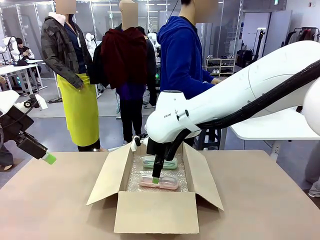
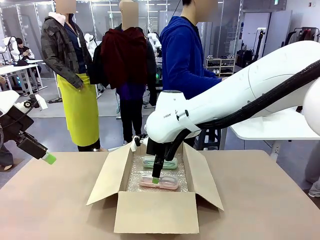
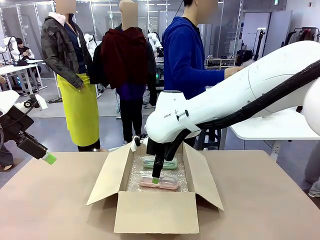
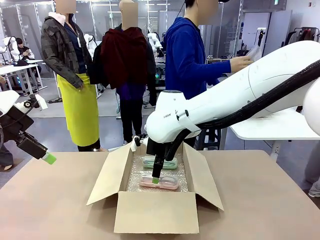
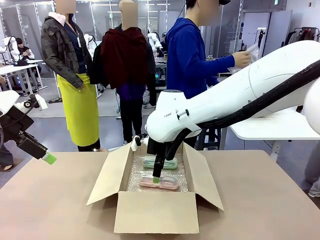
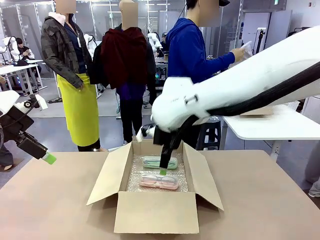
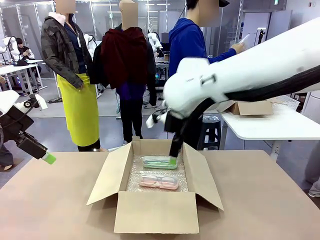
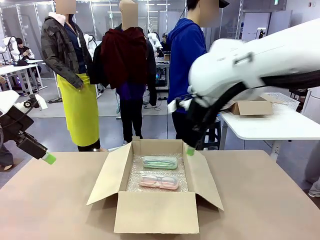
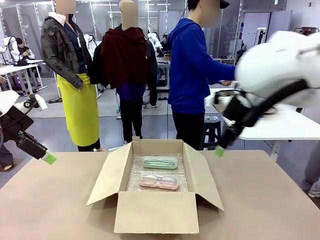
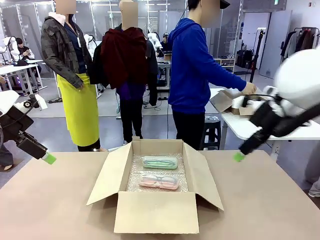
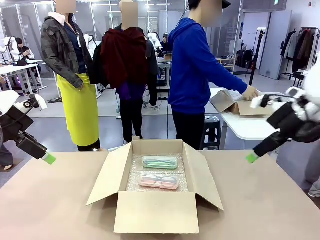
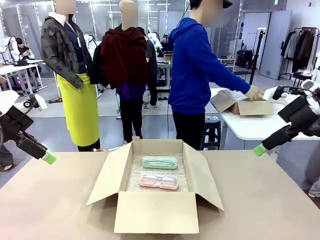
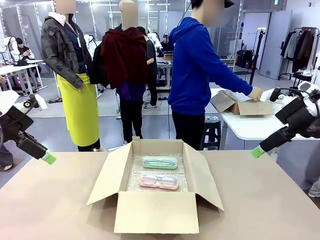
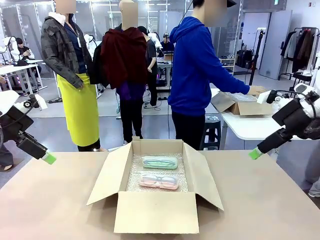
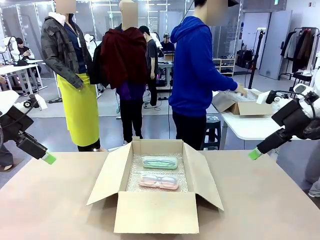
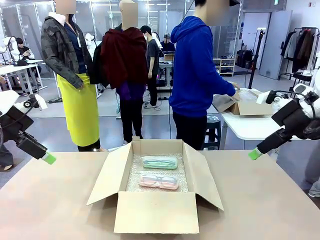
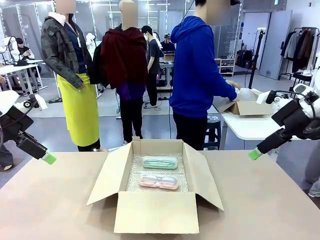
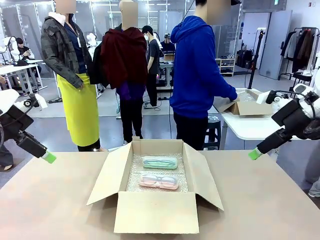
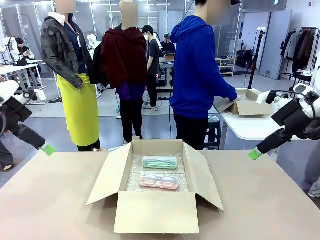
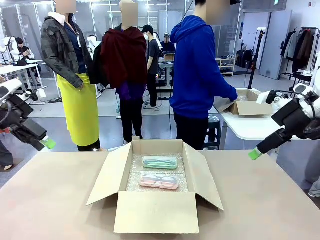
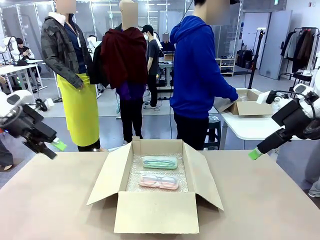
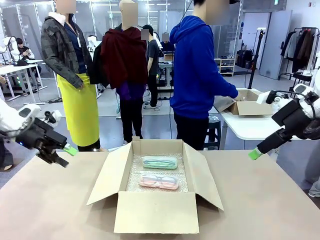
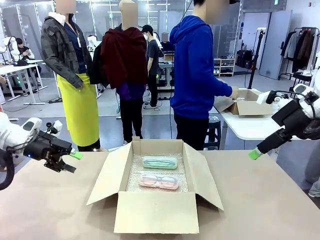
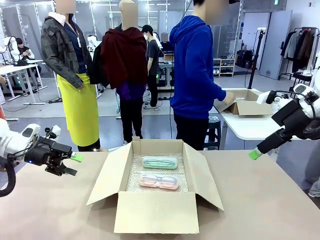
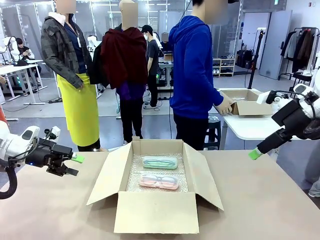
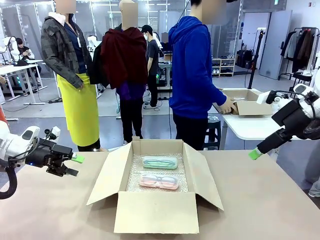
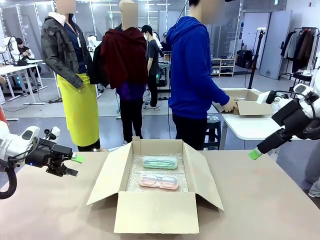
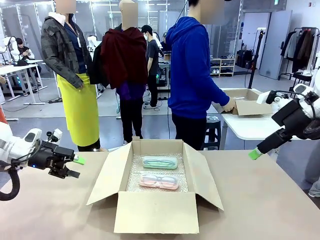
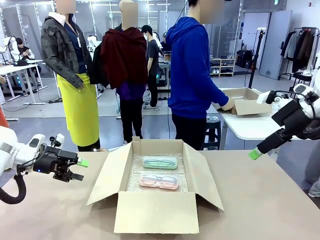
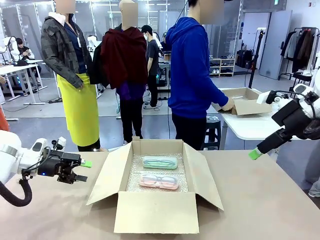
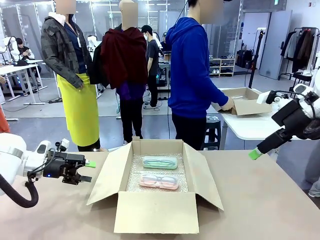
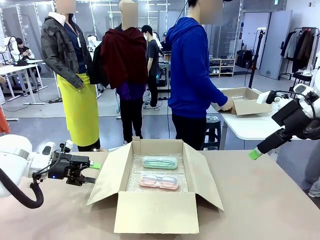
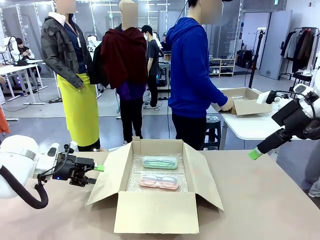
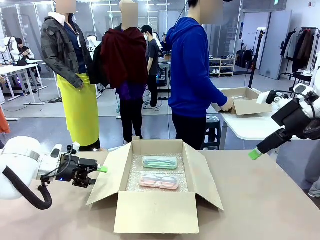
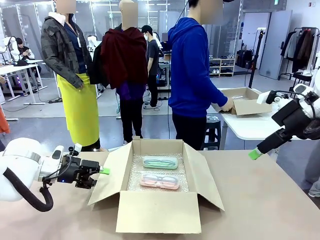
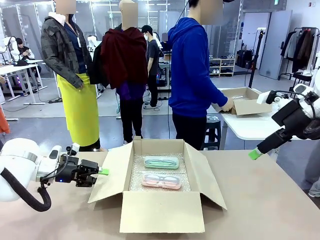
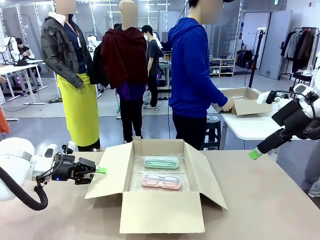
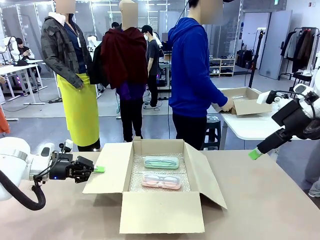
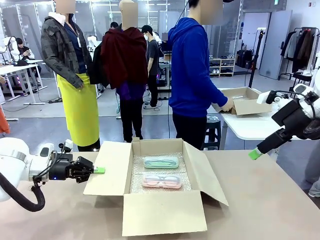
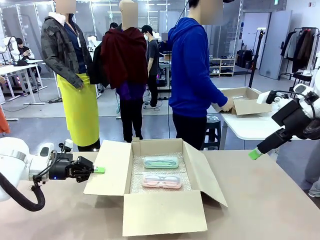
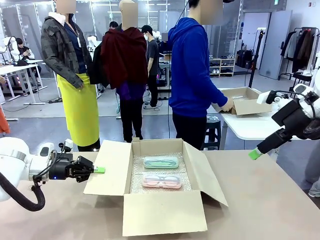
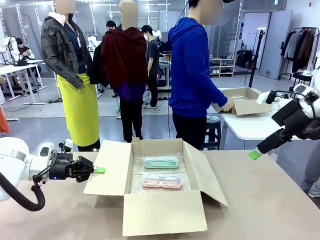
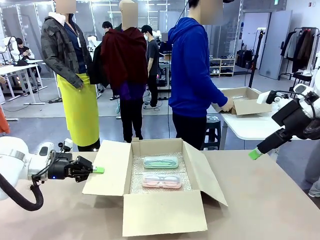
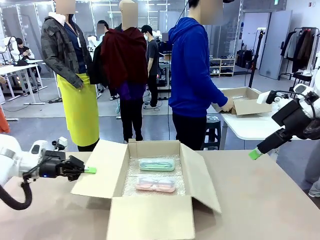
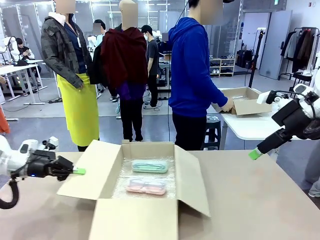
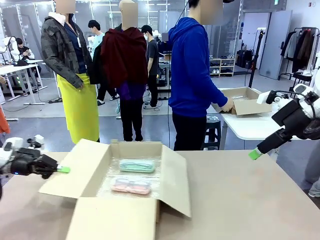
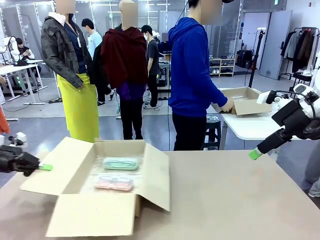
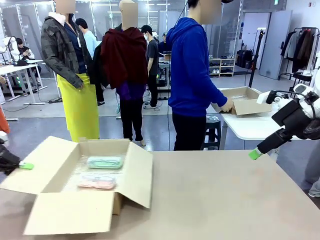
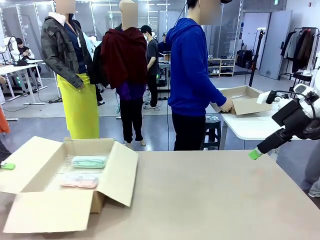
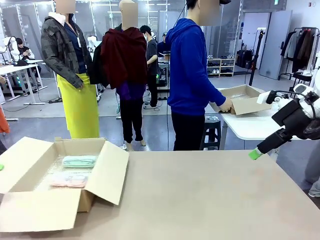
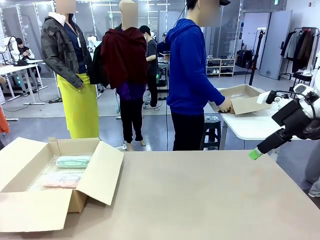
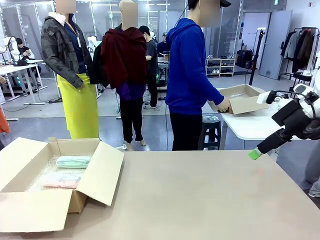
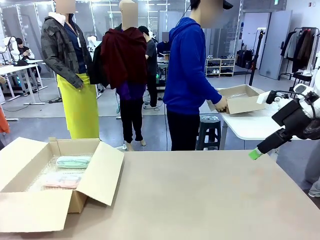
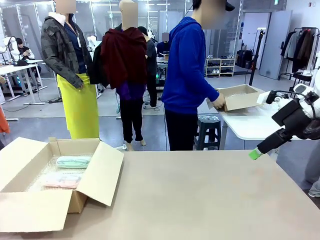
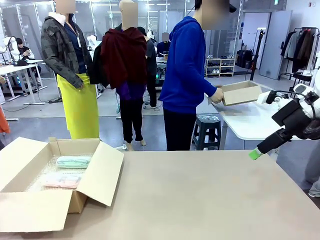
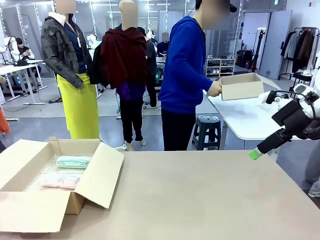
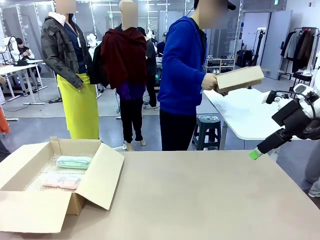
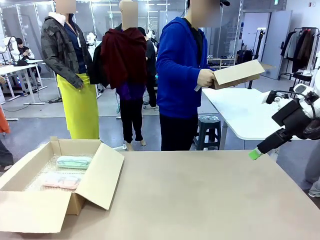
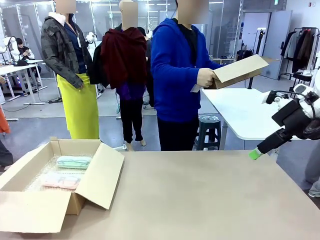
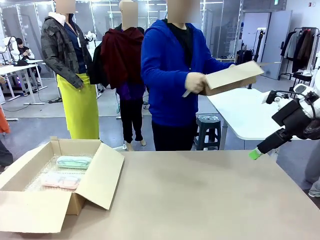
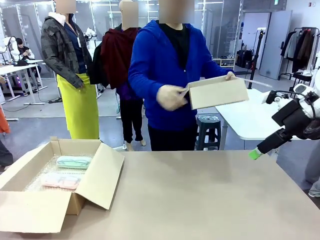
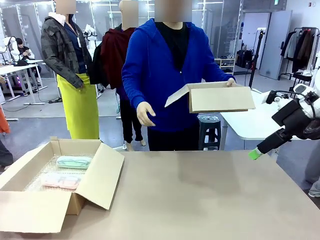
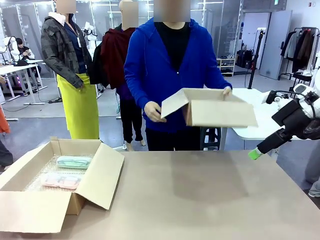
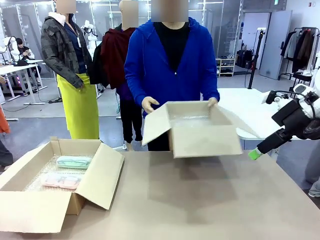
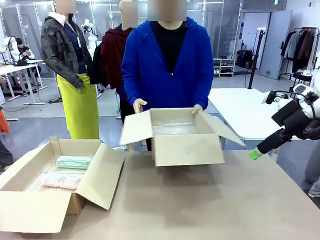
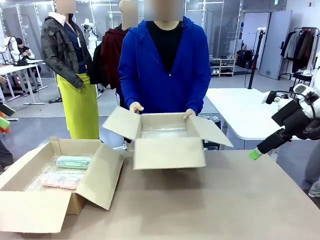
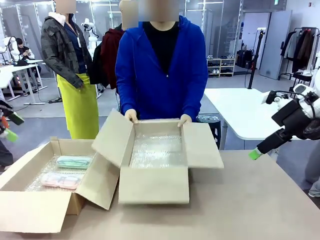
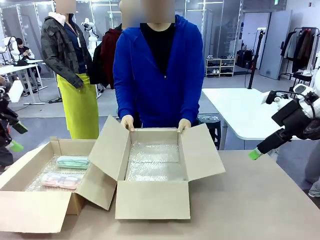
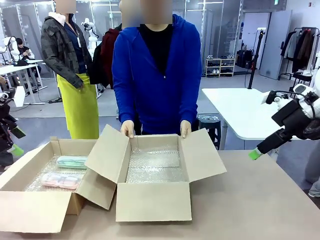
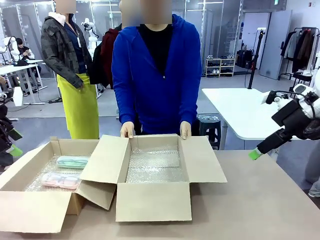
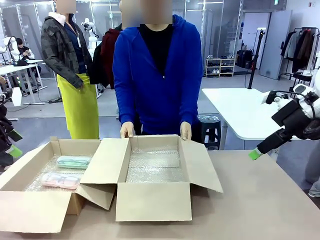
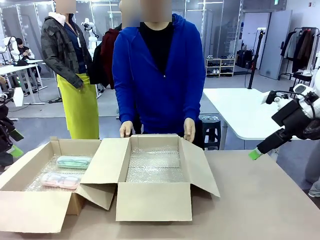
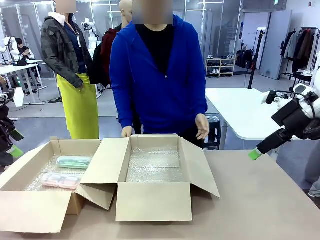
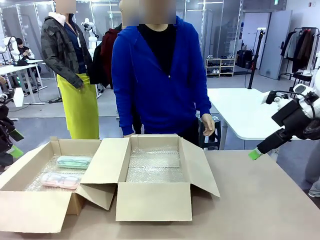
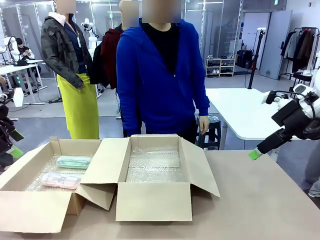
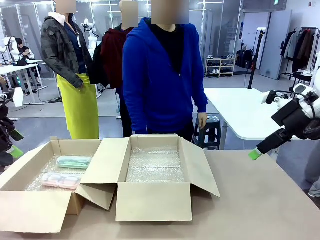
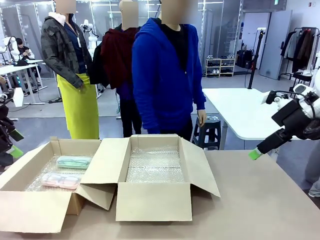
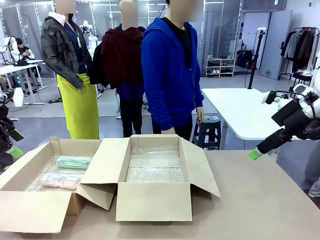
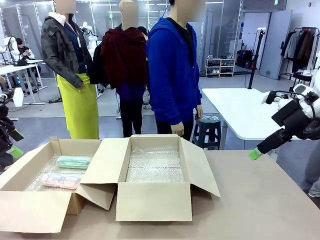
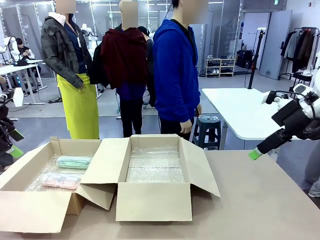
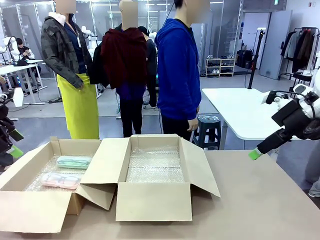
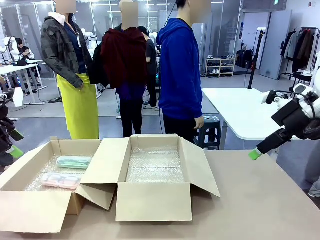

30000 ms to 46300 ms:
Task: Pack the glasses set securely to prepare it for shipping.
Robot: Position the Package Box on the left side of the table.
Person: Position the empty Package Box in the middle of the robot's table.
